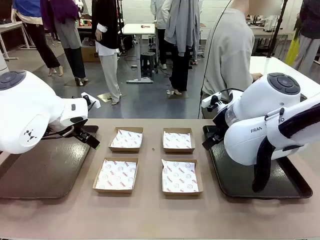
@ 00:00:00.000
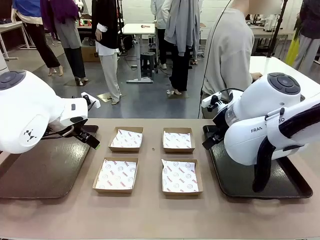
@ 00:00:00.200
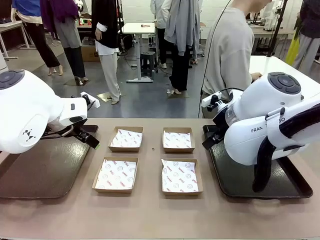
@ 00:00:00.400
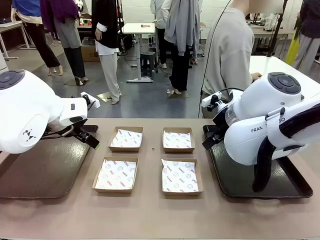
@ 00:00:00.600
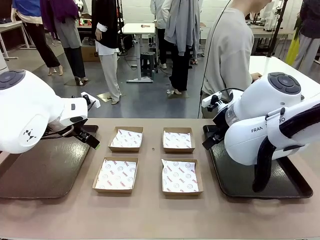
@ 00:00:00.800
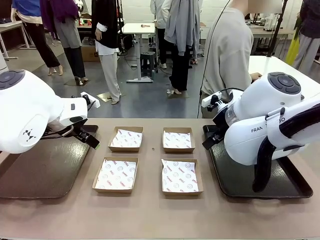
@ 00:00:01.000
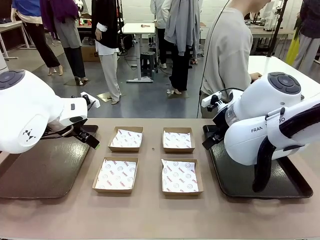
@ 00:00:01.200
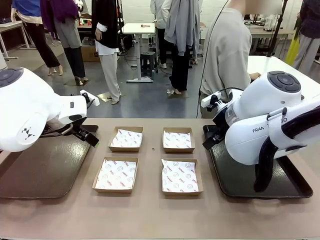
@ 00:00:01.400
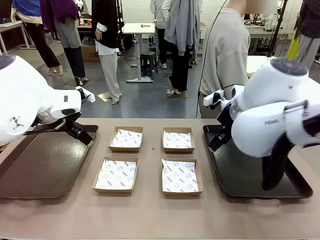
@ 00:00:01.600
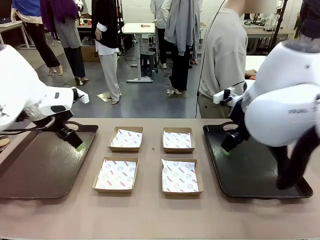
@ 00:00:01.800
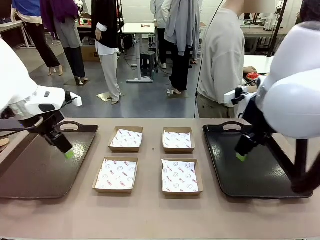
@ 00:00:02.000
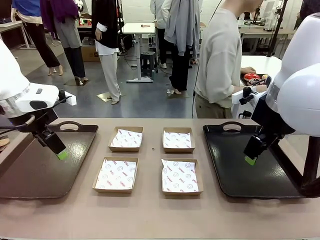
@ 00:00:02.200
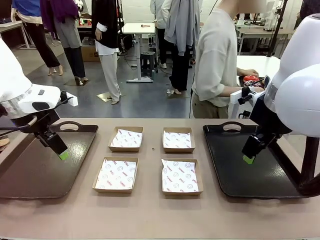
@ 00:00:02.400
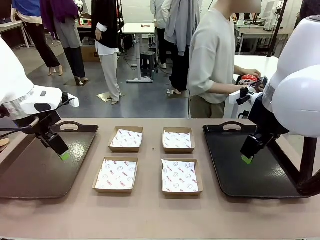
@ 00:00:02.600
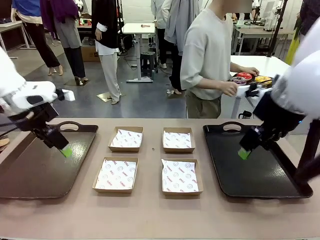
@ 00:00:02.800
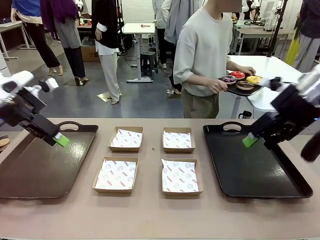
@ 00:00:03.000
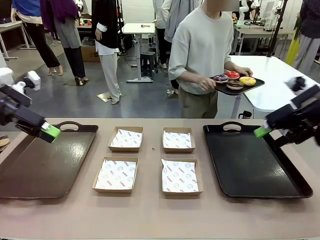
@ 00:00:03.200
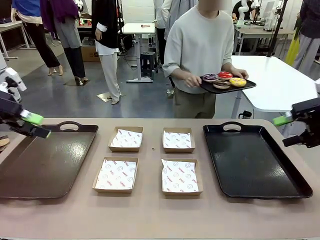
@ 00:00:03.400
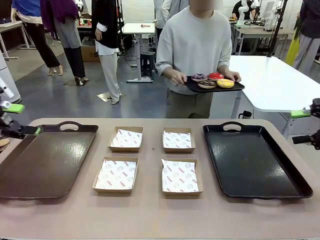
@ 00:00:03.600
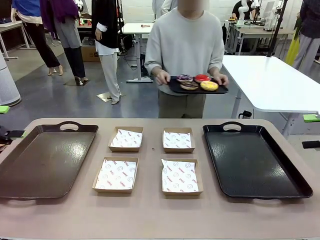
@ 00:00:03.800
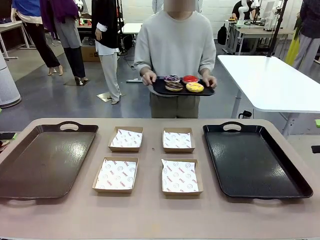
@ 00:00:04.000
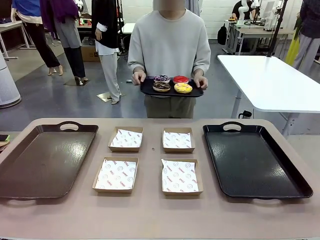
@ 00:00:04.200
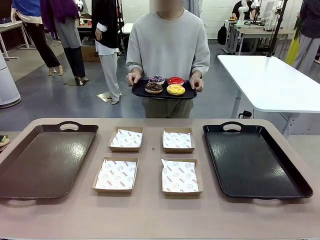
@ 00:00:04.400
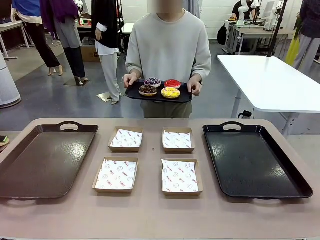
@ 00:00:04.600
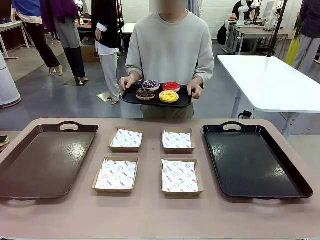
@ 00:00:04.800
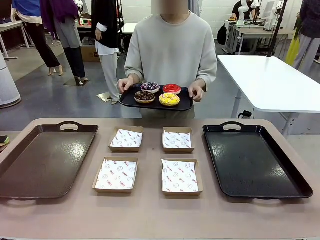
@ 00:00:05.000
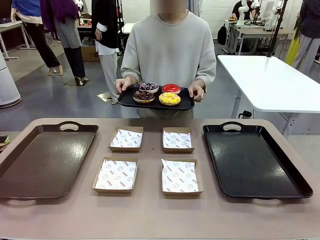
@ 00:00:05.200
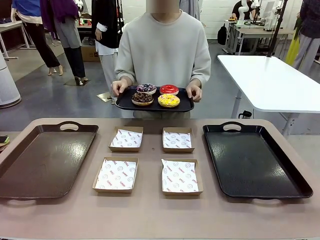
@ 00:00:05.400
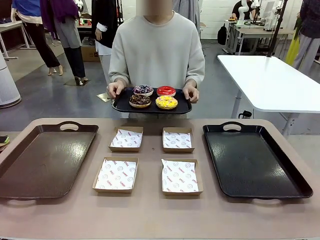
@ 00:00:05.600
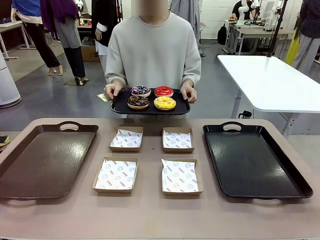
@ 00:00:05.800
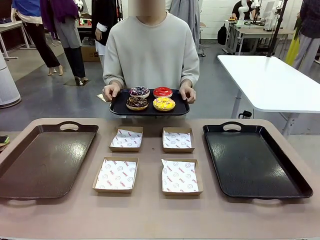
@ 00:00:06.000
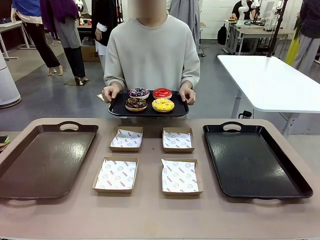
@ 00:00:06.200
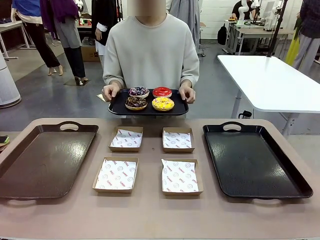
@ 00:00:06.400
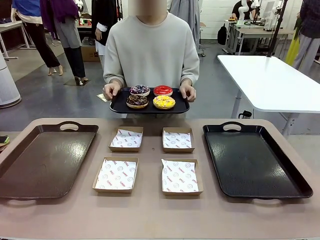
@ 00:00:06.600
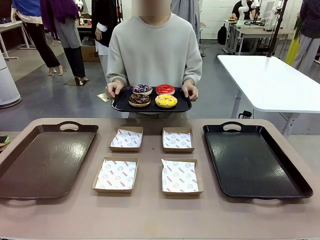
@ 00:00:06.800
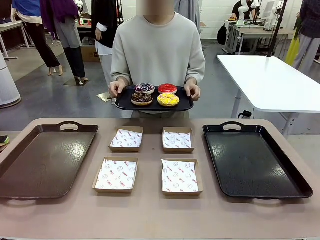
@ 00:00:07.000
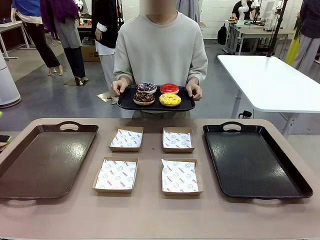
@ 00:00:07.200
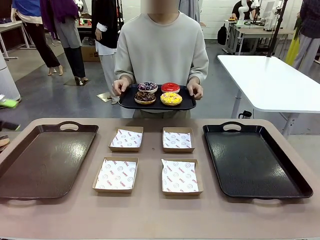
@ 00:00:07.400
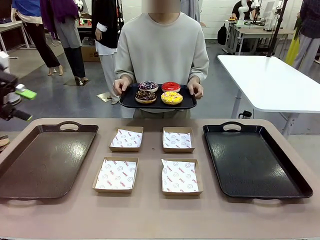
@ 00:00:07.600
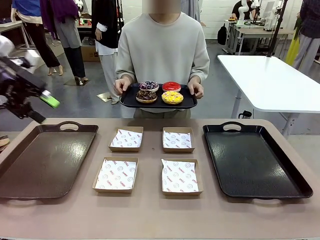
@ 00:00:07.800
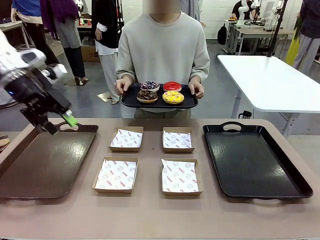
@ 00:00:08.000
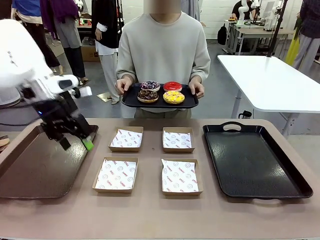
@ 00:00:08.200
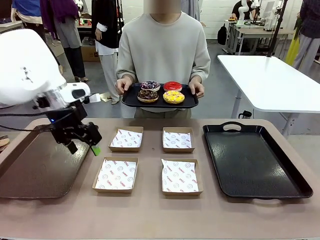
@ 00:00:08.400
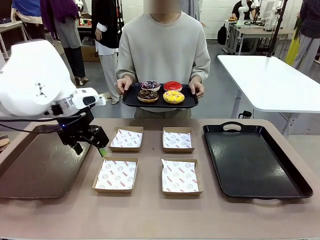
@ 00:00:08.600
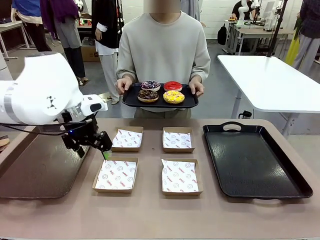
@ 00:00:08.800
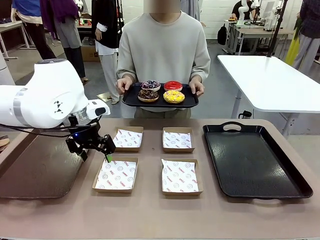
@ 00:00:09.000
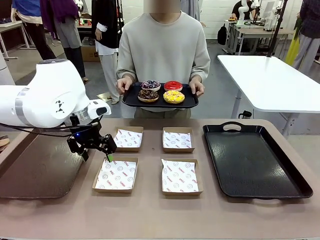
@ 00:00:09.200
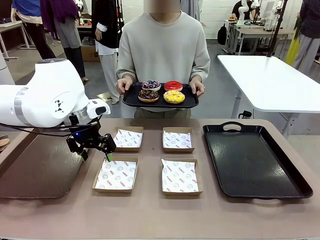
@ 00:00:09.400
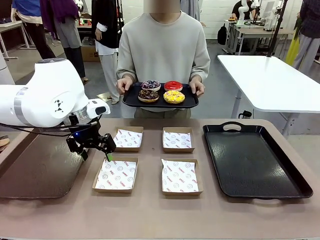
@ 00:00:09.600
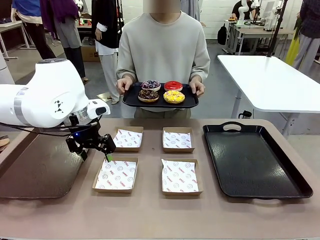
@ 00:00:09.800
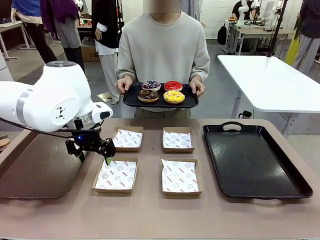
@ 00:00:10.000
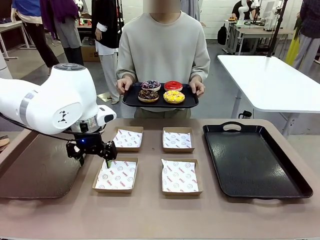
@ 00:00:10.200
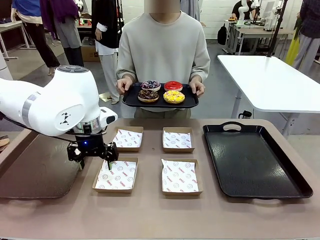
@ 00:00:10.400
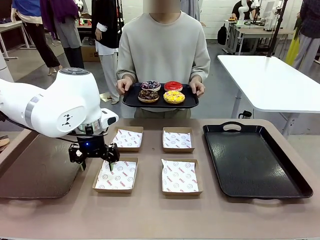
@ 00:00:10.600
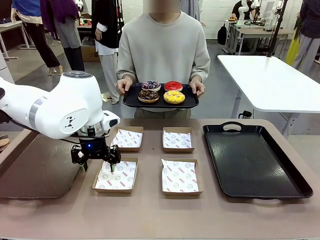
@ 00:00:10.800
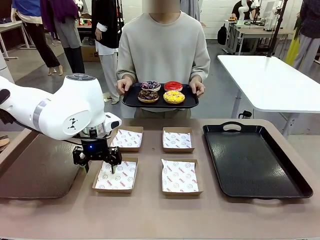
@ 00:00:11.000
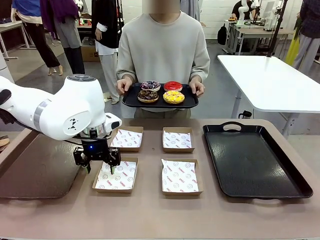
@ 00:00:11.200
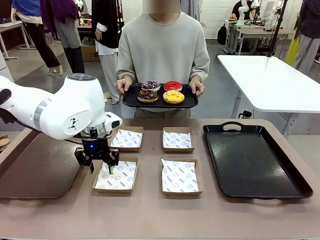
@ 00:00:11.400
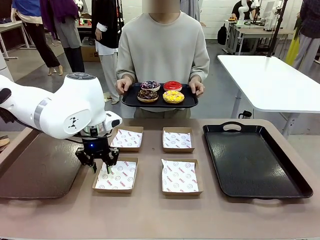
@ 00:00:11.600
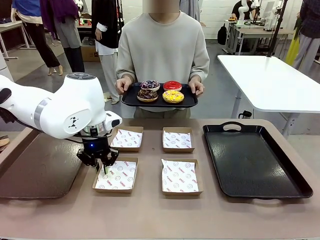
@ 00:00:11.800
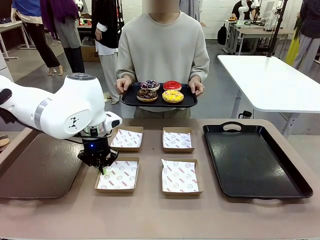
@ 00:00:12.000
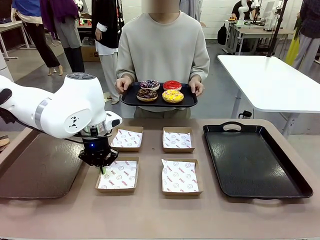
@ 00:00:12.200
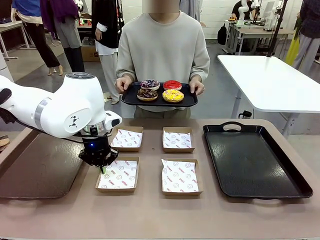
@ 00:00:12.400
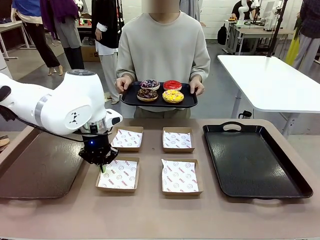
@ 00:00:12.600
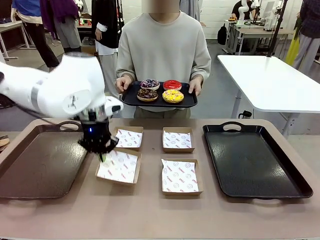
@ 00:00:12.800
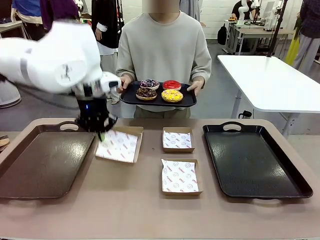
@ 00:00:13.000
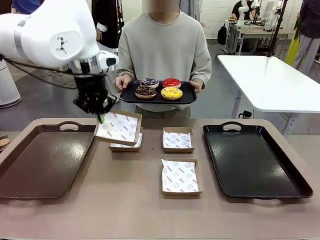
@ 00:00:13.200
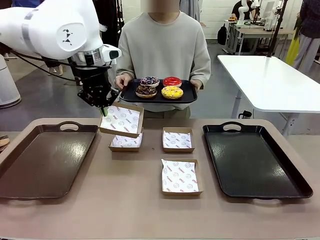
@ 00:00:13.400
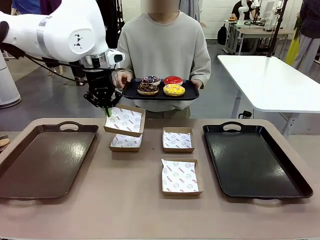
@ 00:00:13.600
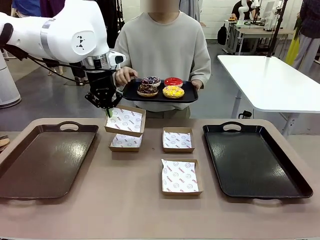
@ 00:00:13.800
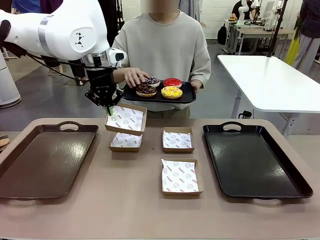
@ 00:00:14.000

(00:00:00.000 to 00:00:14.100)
Task: Individually package the donuts and arrange them on the tray.
Robot: Pick up one Paper togo box.
Person: Stand in front of the robot table holding the tray containing the donuts.
